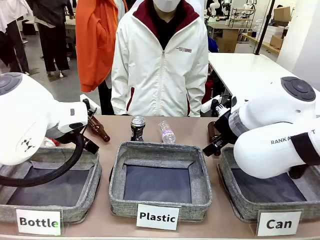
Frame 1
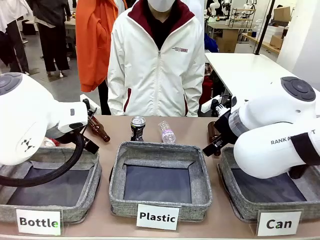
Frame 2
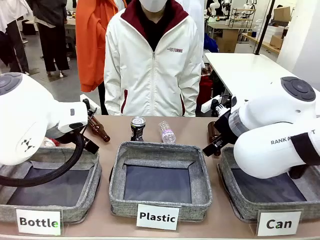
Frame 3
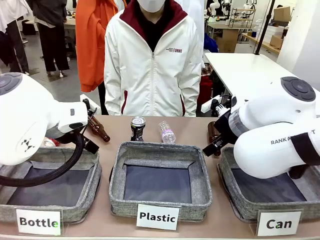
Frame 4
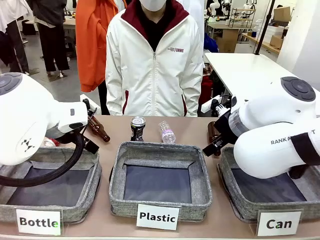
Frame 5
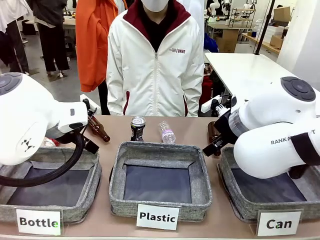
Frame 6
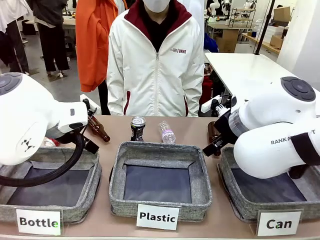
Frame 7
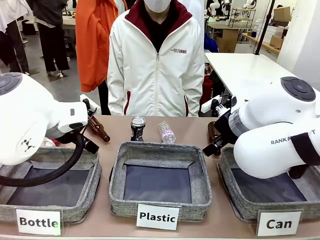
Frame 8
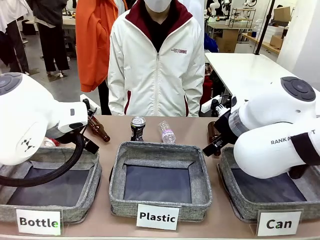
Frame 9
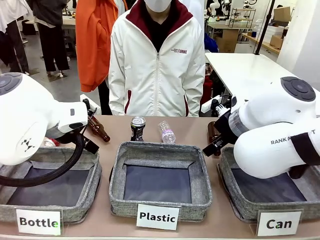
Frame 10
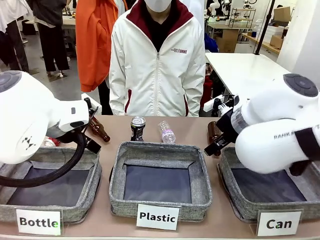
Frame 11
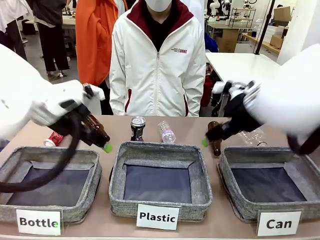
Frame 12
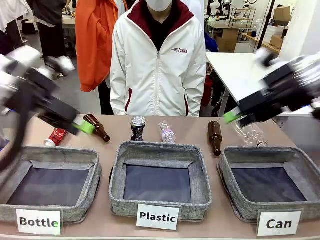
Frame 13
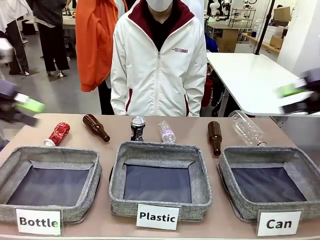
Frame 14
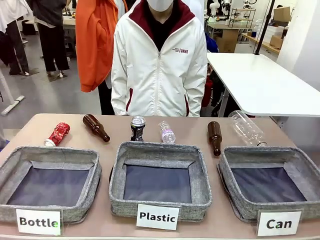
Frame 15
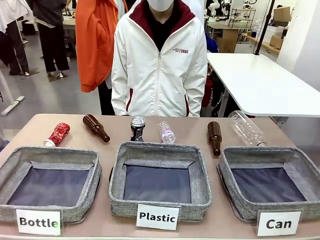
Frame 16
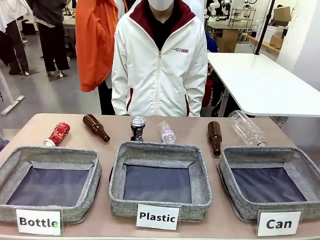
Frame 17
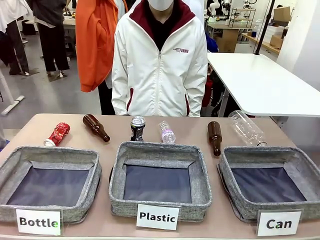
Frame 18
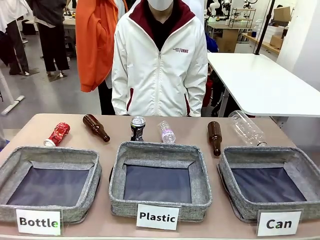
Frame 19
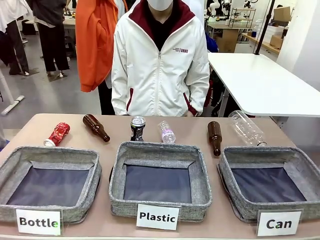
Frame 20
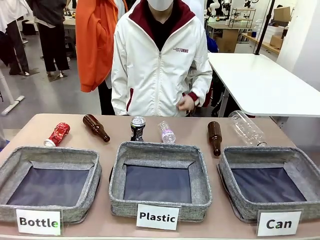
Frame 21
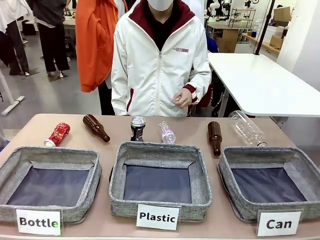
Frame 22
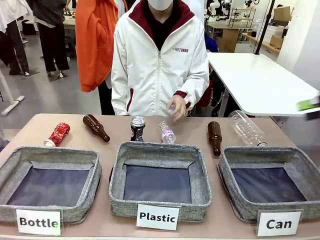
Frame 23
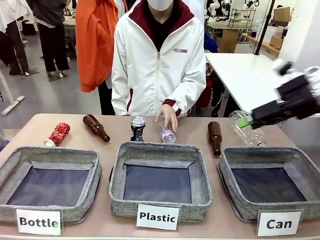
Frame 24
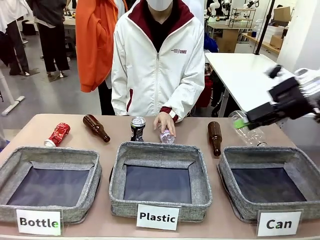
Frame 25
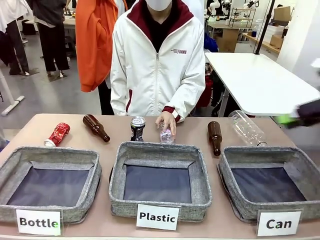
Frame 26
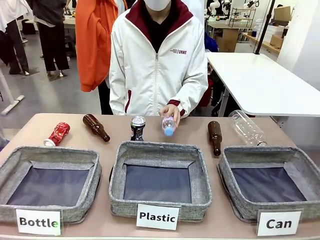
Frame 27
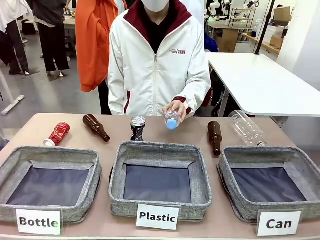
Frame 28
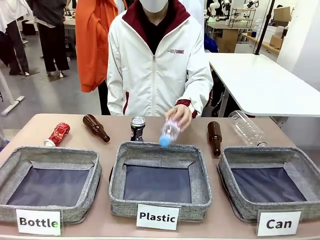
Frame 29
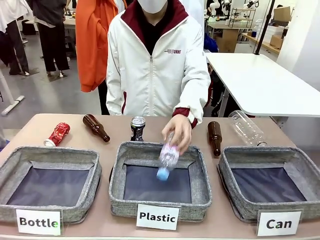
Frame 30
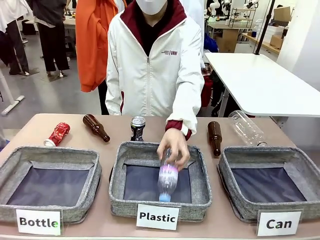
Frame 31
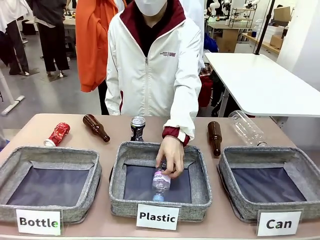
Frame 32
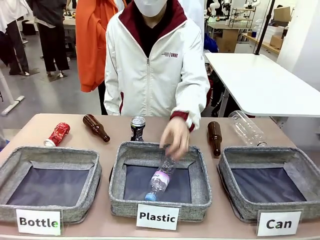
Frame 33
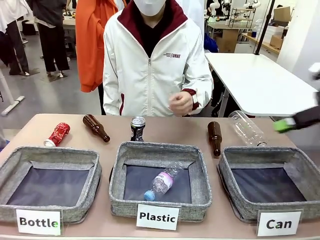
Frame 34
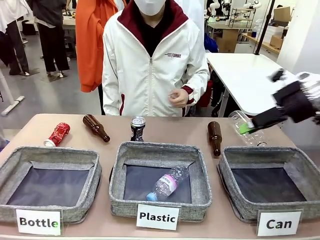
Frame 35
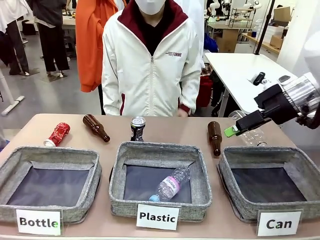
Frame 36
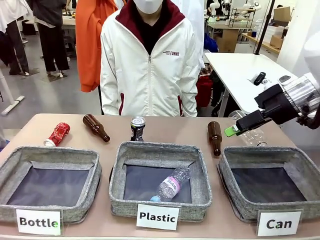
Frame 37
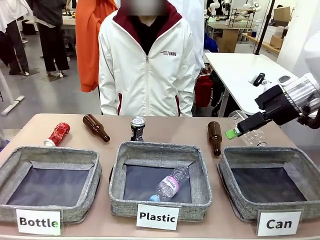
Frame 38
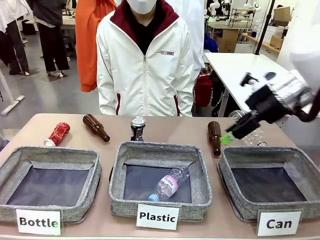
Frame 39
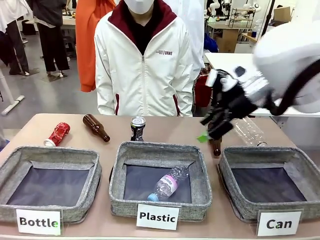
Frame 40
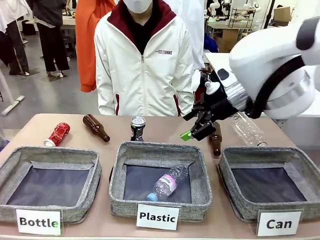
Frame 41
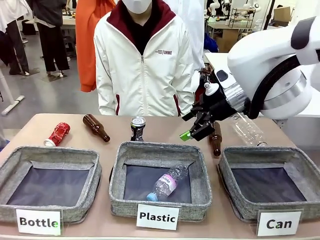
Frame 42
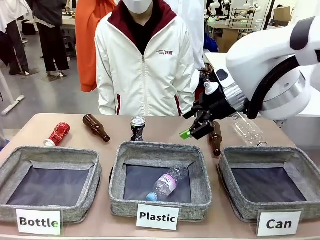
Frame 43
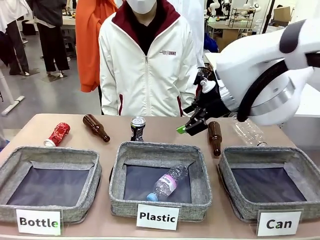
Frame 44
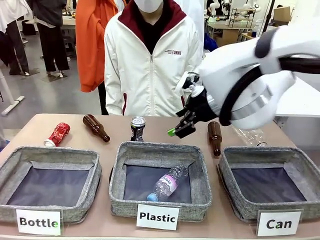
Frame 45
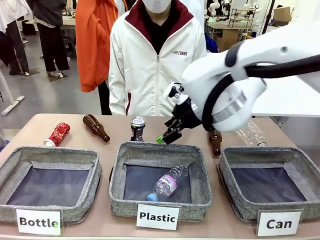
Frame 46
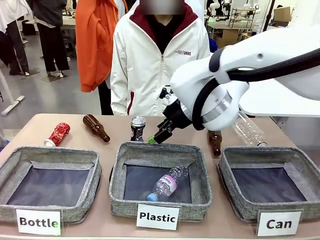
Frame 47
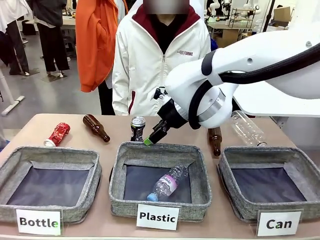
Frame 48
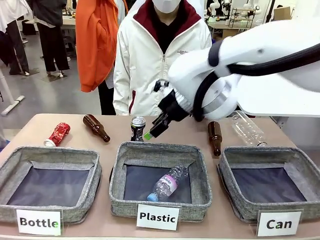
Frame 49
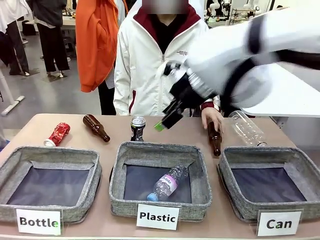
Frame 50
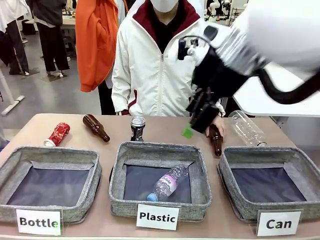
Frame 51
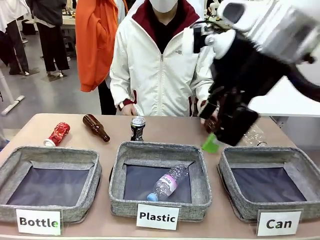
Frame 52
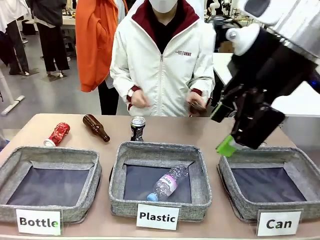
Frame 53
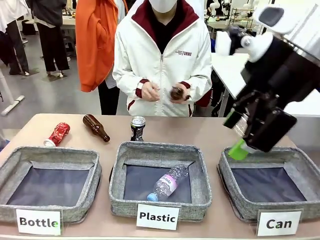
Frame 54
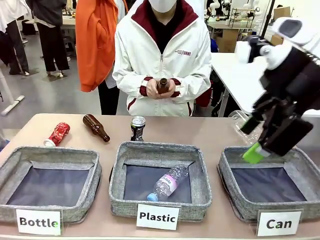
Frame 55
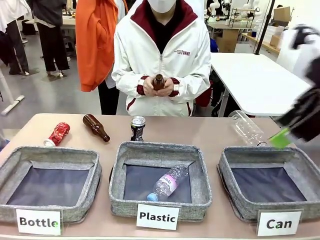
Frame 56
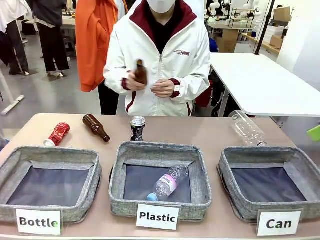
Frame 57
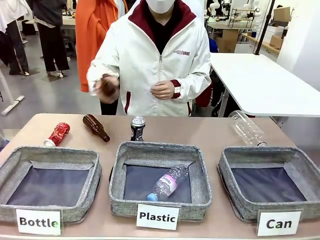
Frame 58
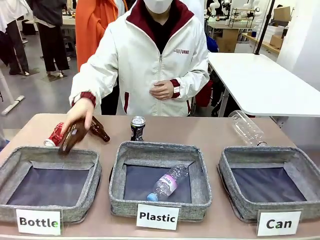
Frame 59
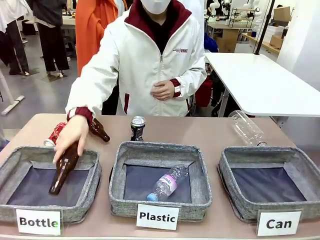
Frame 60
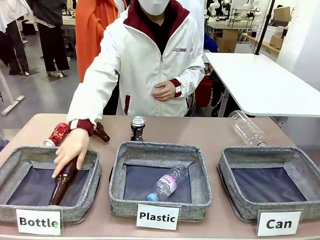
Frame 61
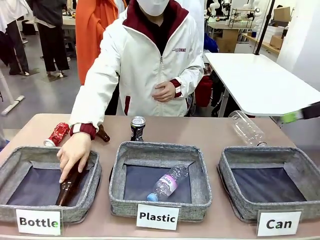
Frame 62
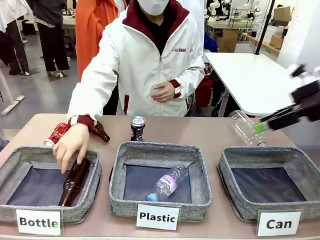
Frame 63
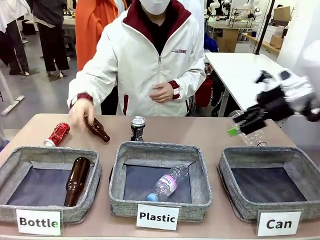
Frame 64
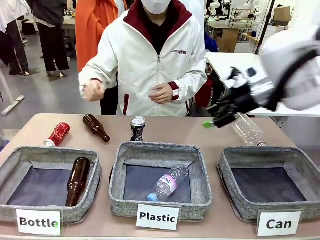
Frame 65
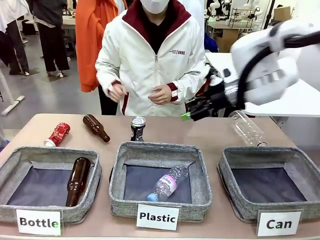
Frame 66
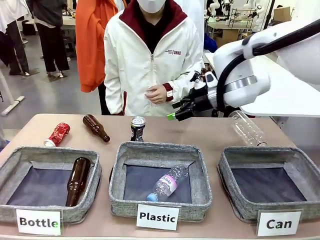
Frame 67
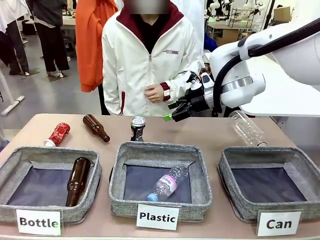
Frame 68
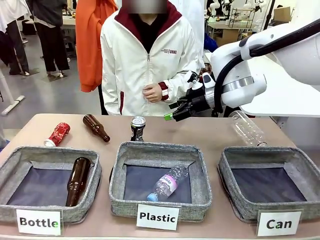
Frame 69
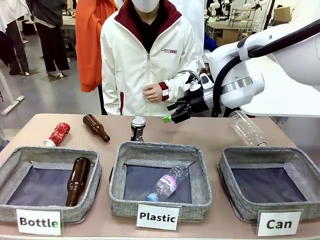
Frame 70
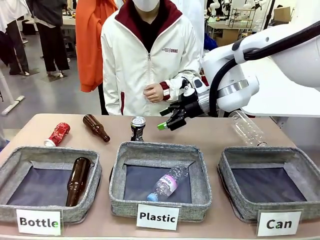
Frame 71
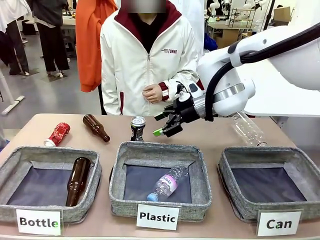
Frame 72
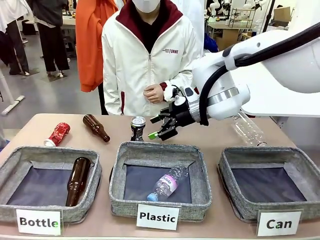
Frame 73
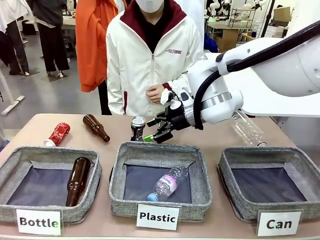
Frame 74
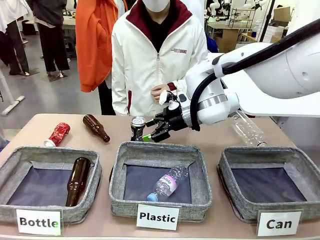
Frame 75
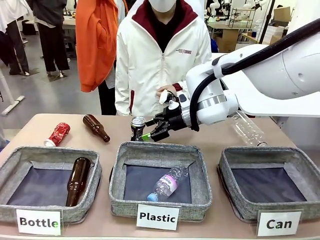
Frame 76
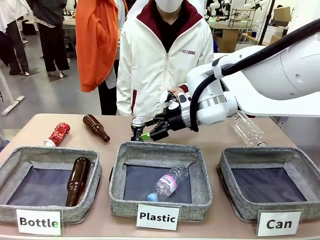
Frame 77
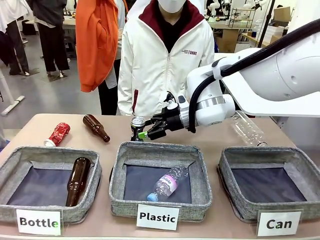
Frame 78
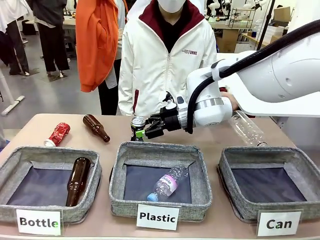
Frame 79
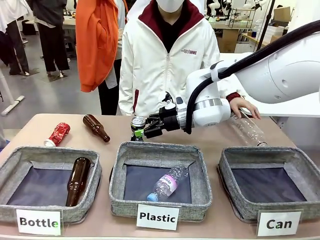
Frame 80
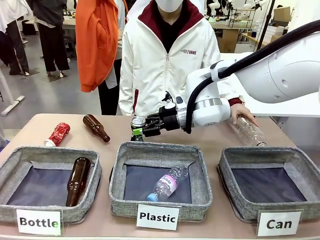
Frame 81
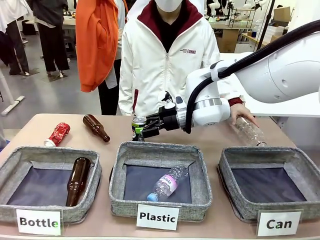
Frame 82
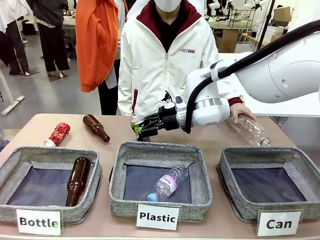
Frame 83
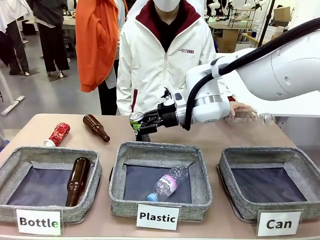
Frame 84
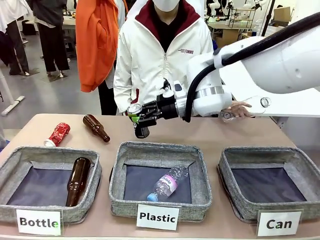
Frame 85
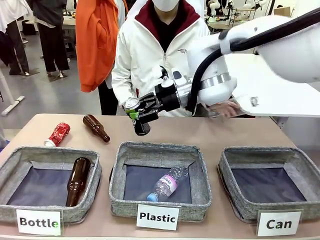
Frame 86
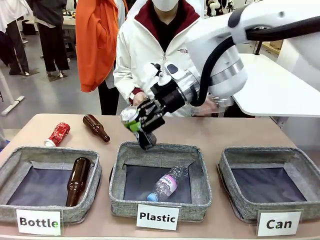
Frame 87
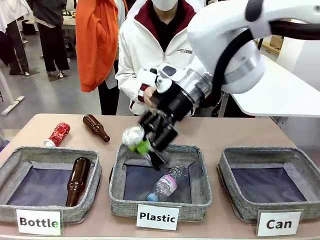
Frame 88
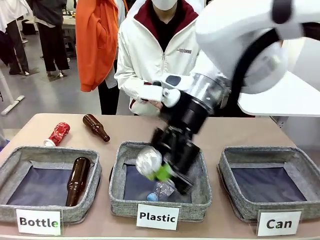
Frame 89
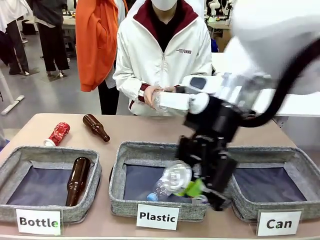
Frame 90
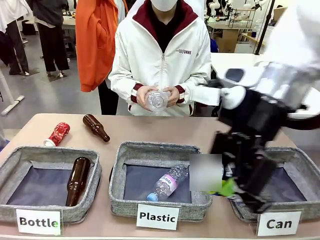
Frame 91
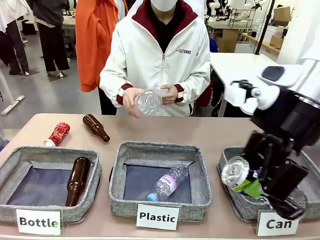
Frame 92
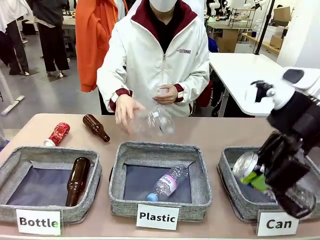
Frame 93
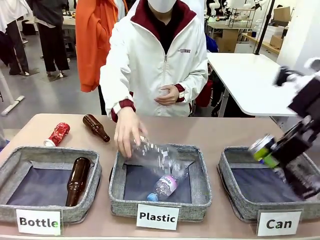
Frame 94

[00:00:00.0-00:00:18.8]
Task: Sort the can waste into the basket.
Robot: Pick up the can waste from the table and place it in the right Fabric basket.
